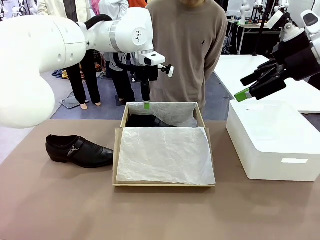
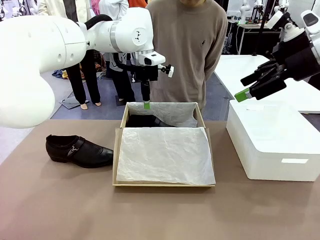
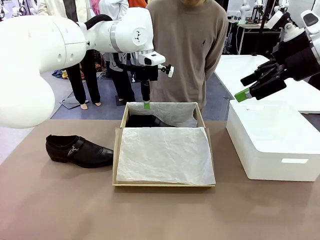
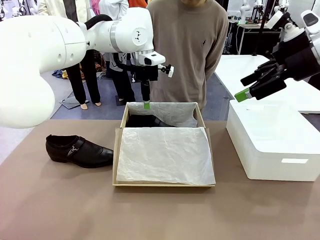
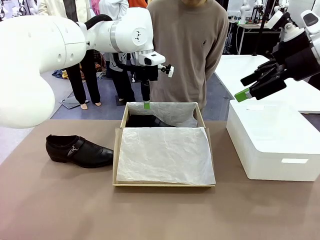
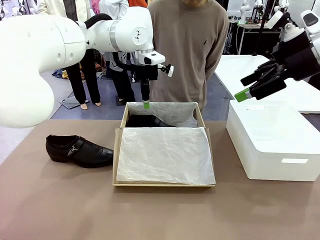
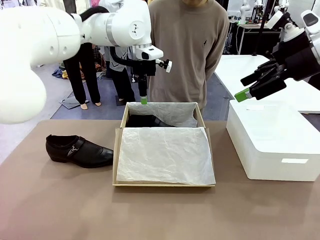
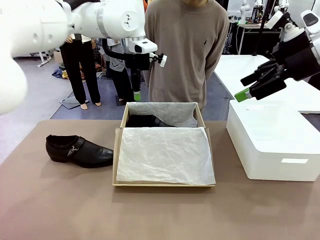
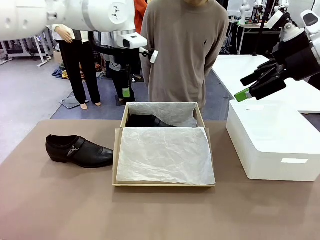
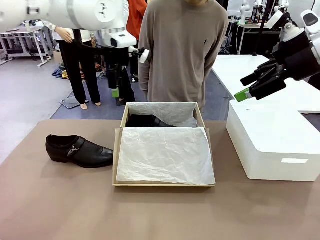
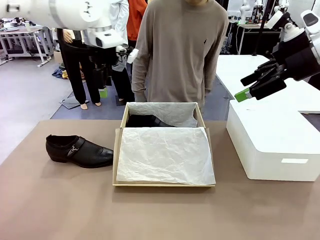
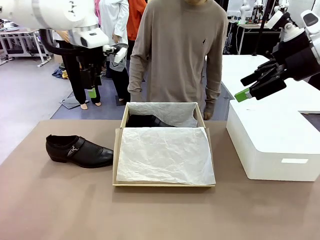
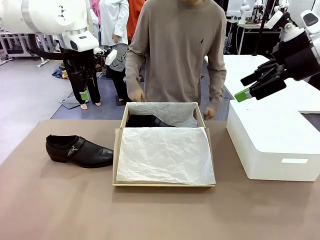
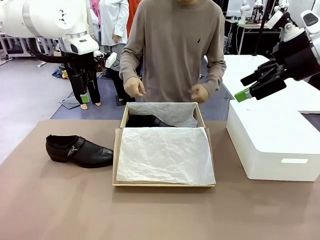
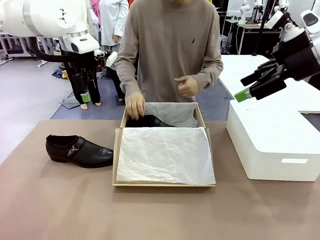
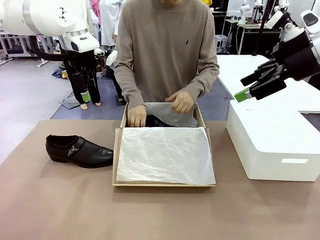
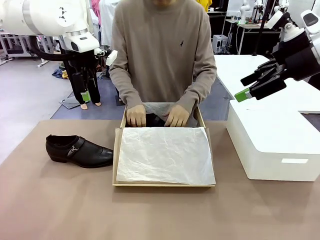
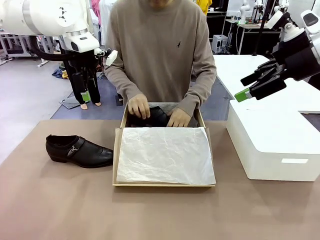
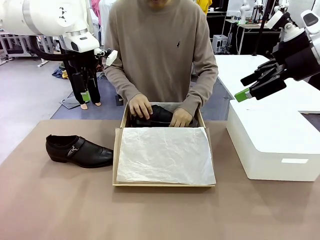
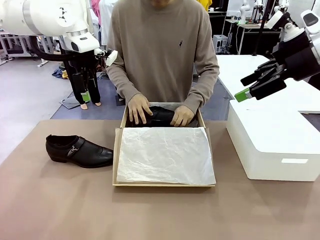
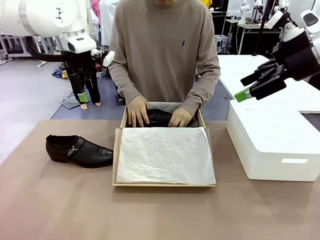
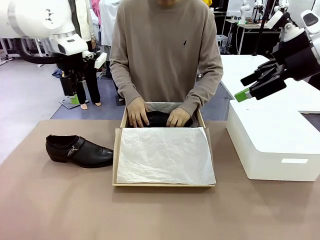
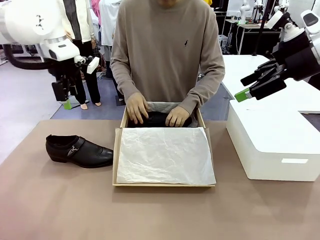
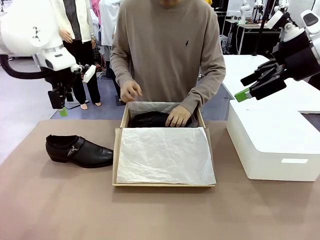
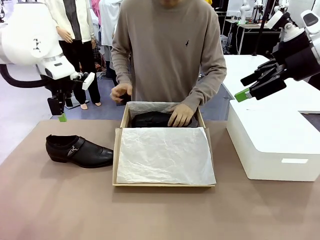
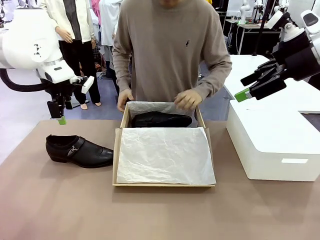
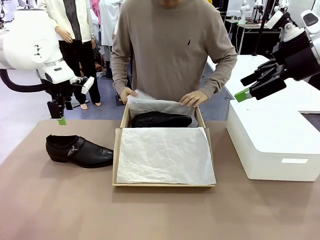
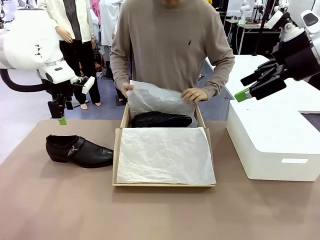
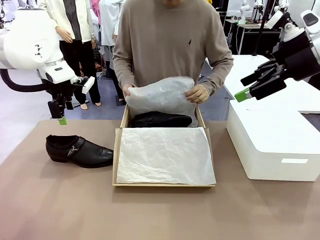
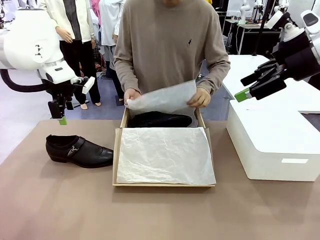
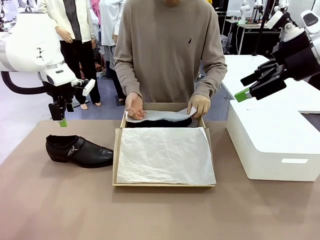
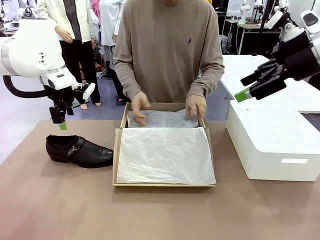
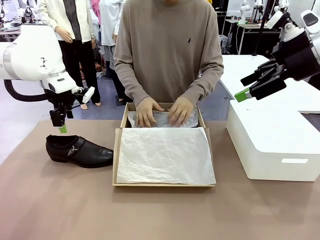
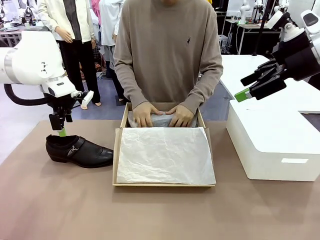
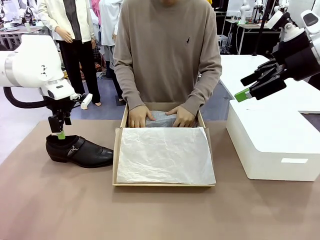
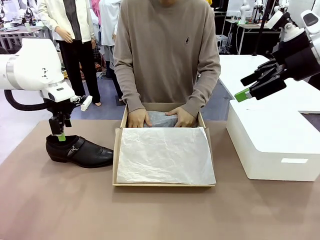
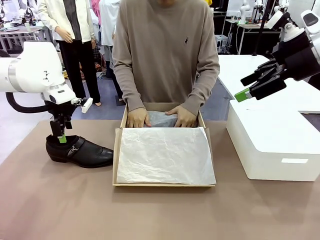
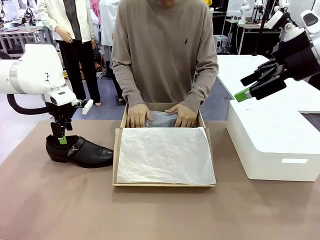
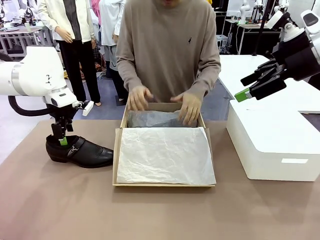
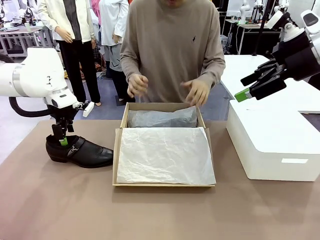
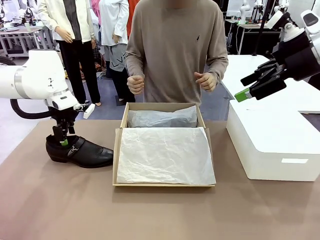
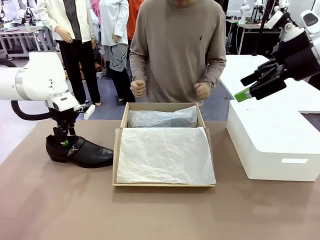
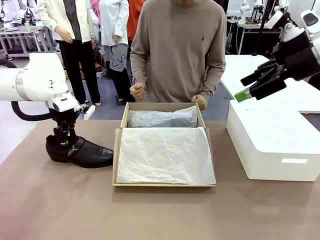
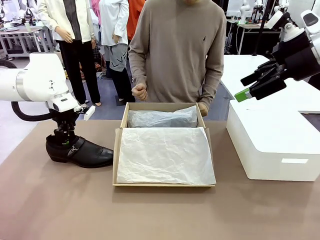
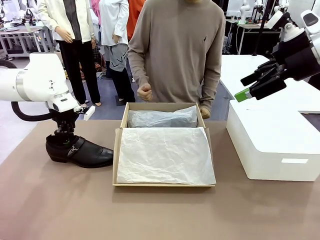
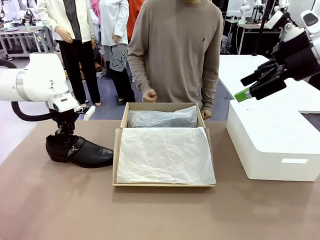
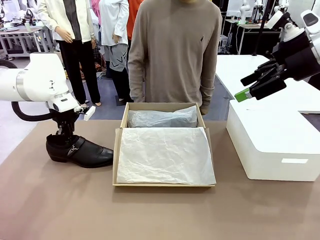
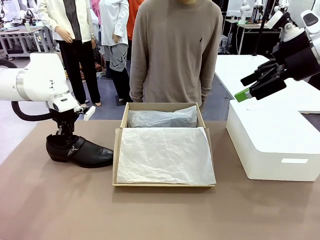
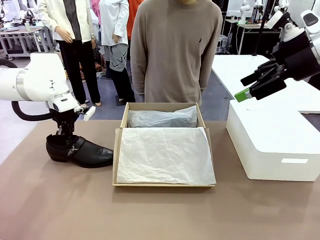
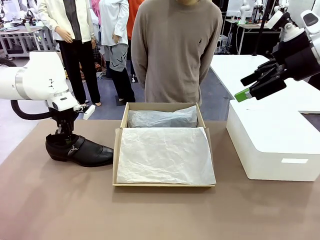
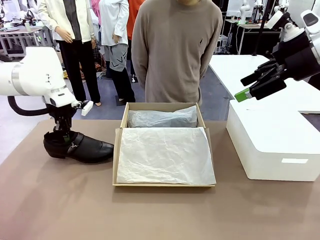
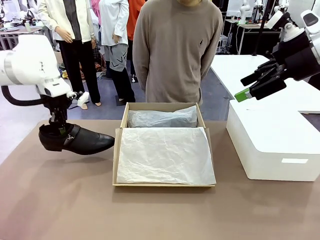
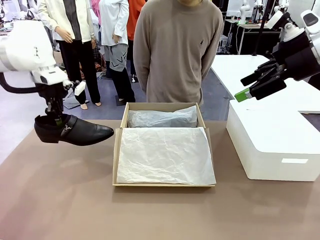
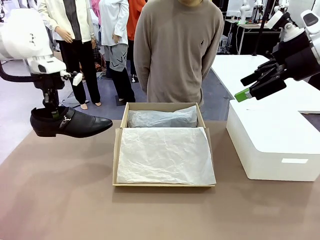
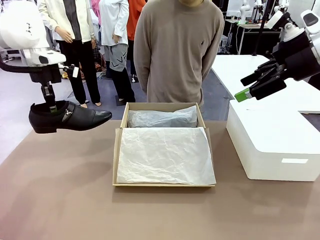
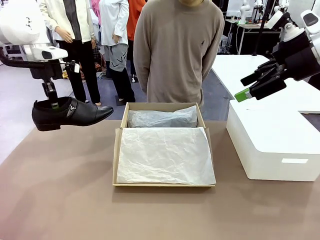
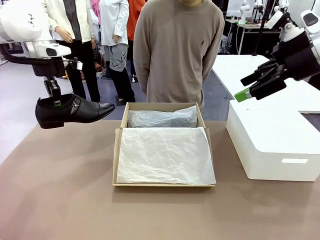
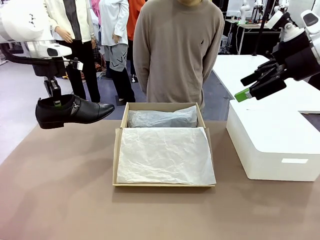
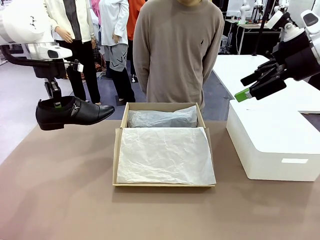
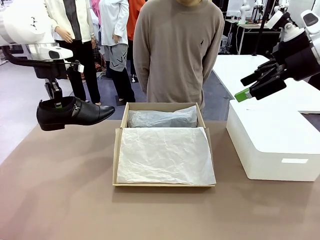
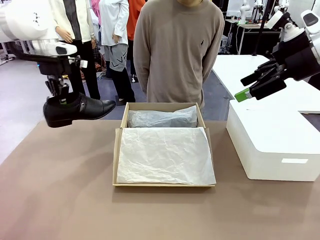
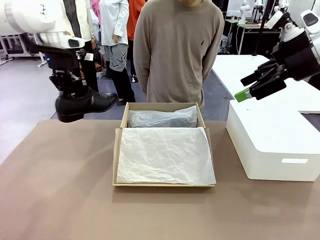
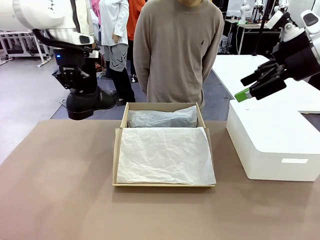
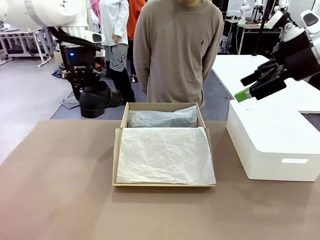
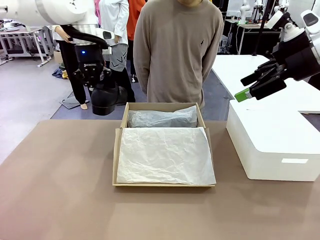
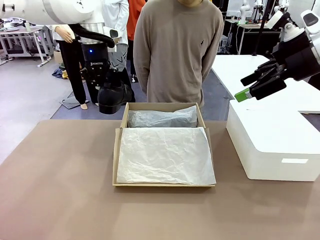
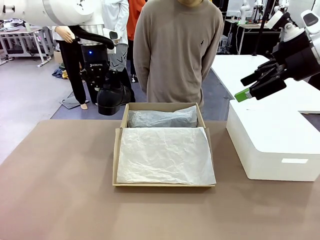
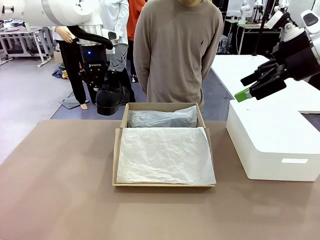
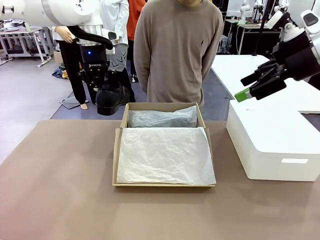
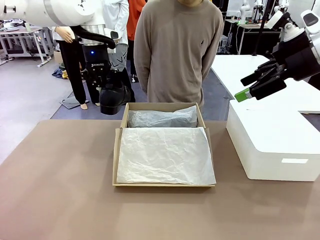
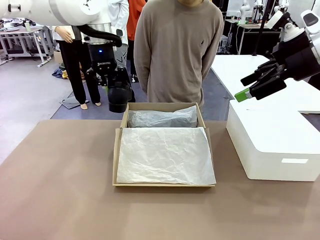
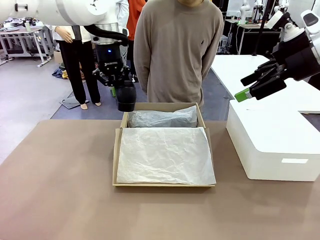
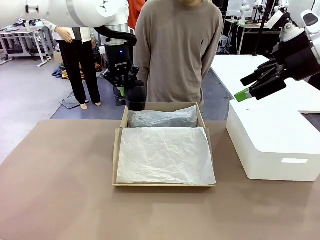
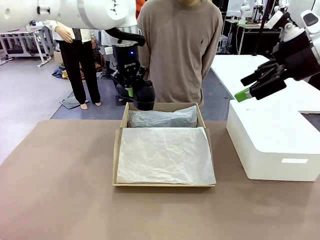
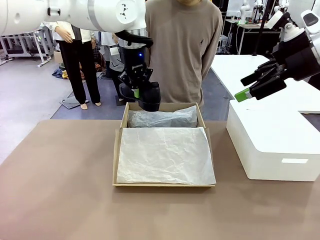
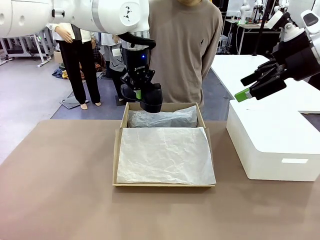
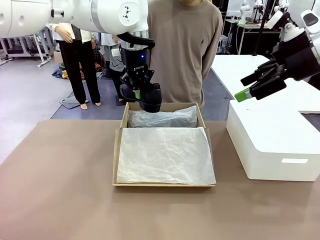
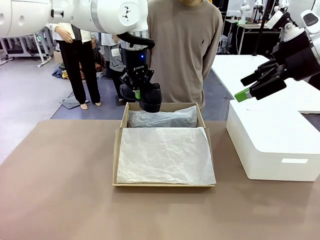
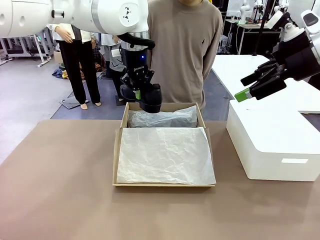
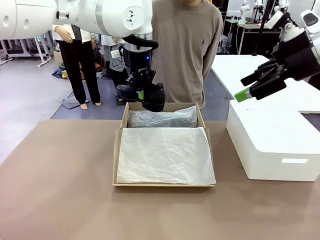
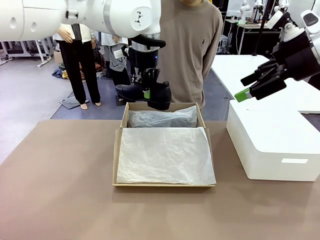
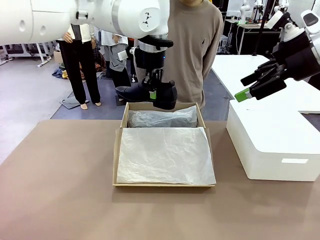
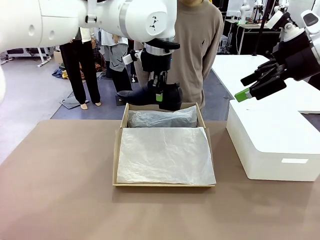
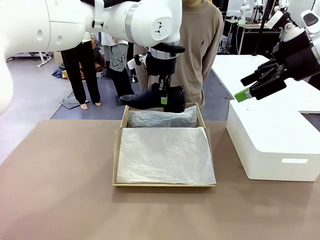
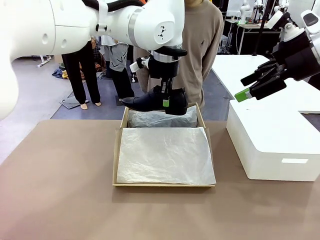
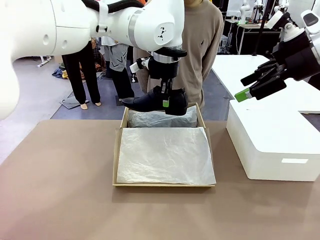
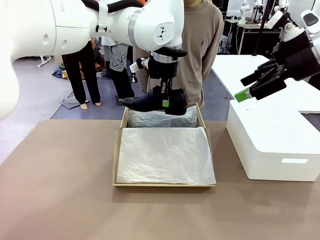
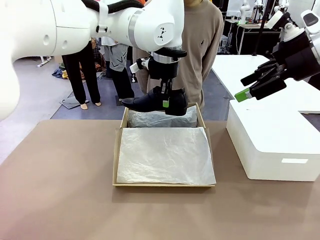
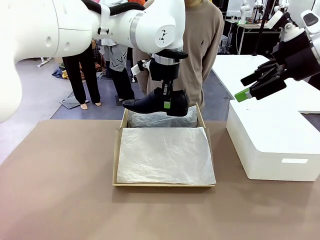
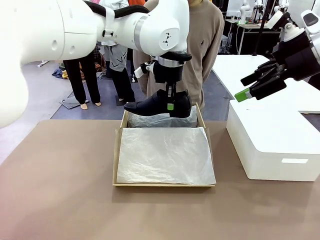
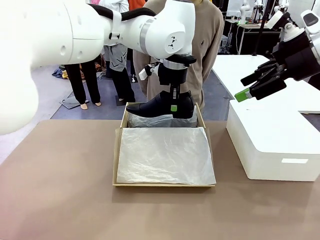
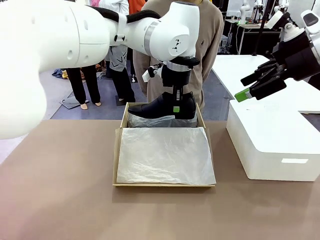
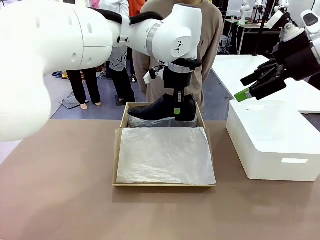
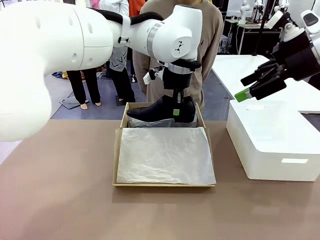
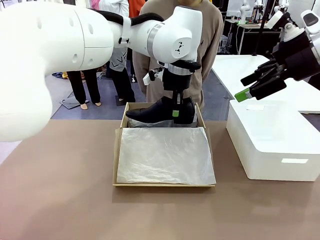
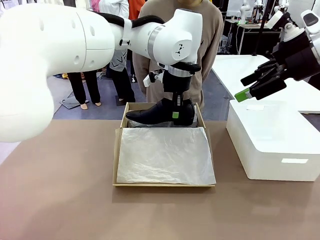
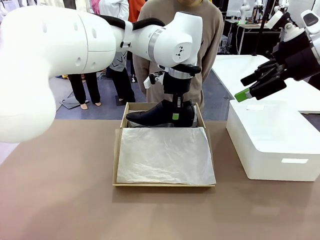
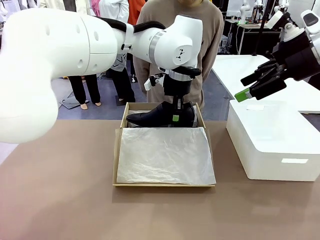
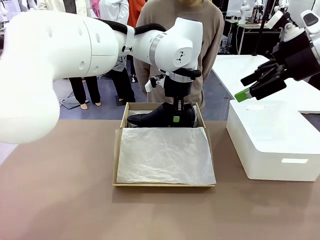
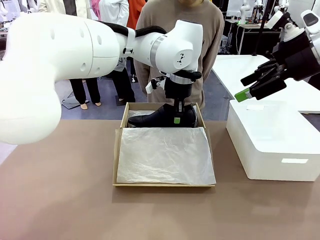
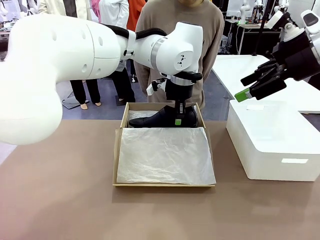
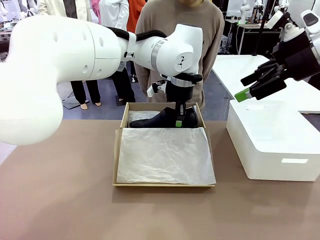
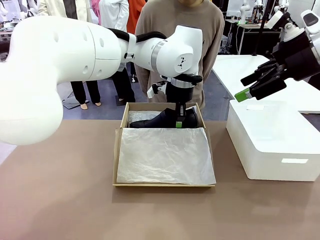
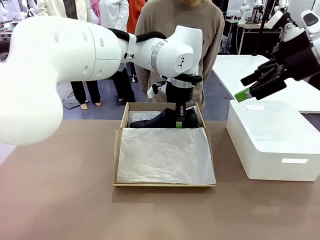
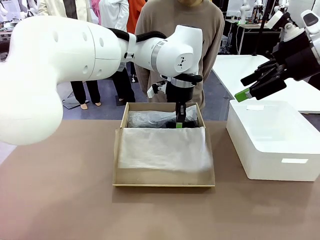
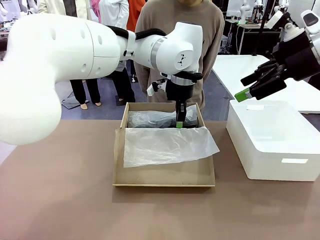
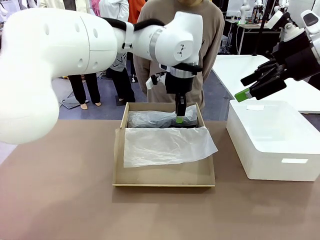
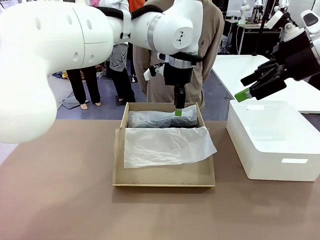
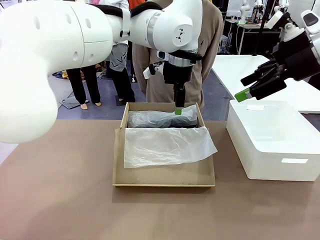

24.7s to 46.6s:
Task: Pack the shoes into the box.
Robot: Place the other shoe of the Shoes into the Shoes Box.
Person: Pack a shoe of Shoes inside the Shoes Box with Shoes Wrapping Paper.
